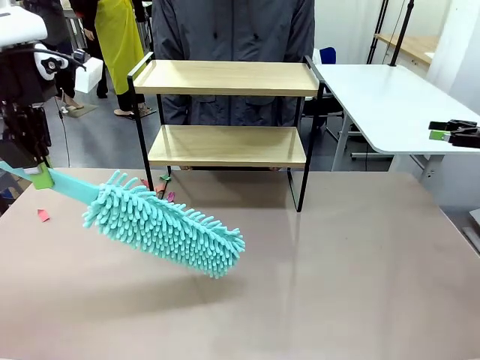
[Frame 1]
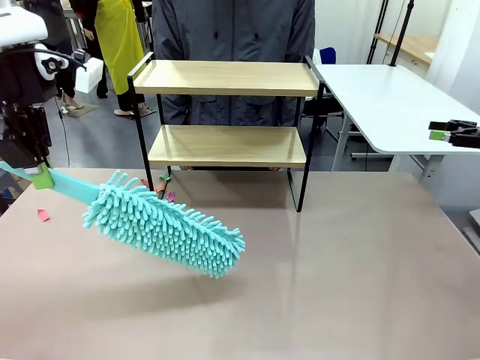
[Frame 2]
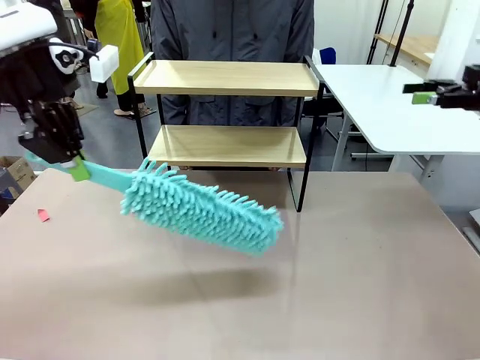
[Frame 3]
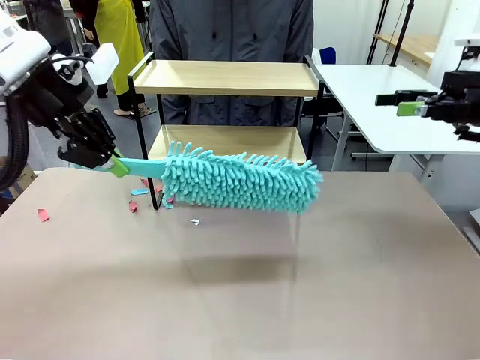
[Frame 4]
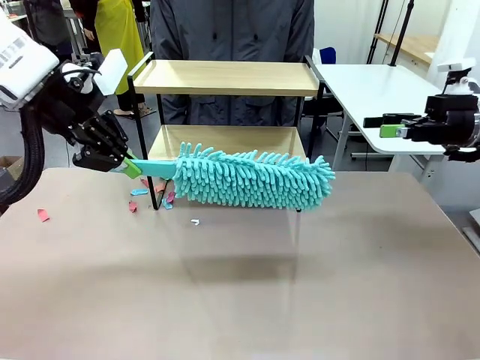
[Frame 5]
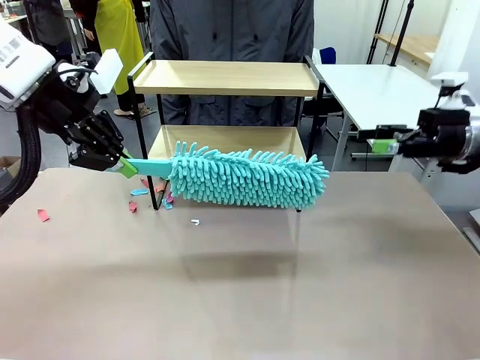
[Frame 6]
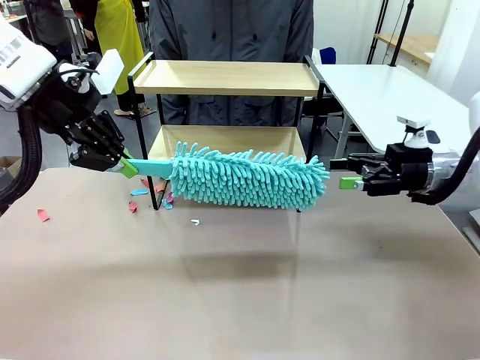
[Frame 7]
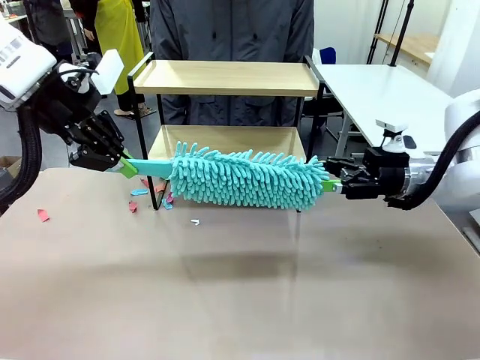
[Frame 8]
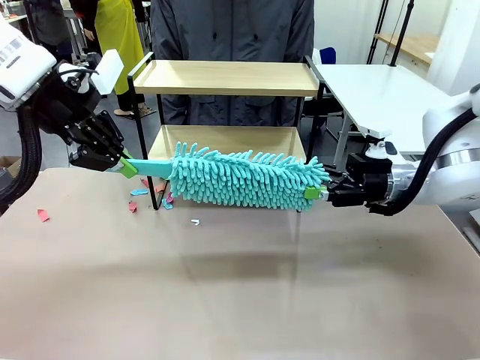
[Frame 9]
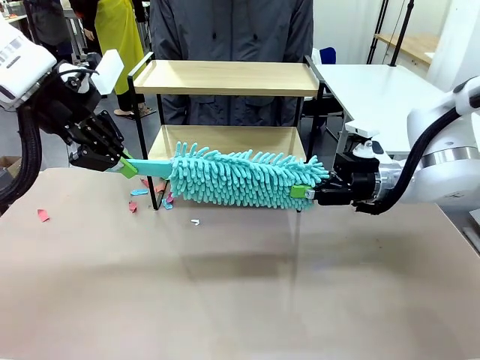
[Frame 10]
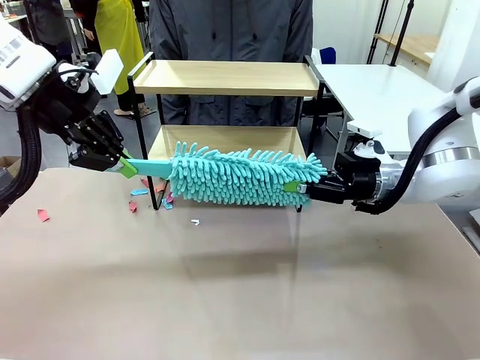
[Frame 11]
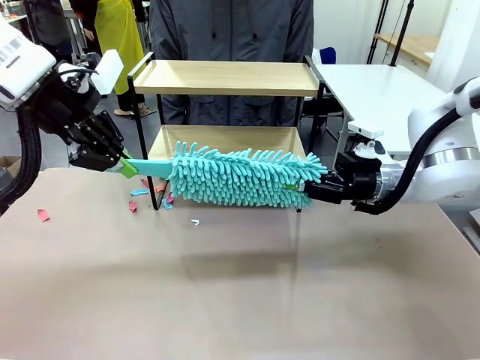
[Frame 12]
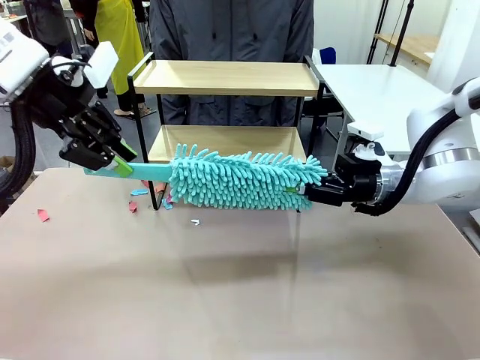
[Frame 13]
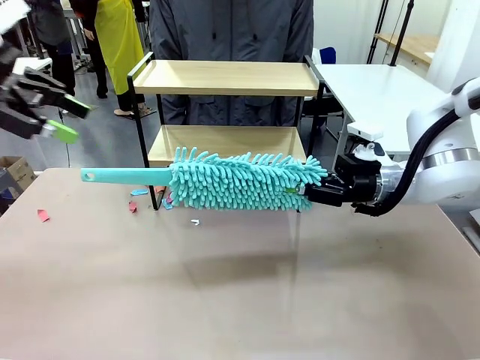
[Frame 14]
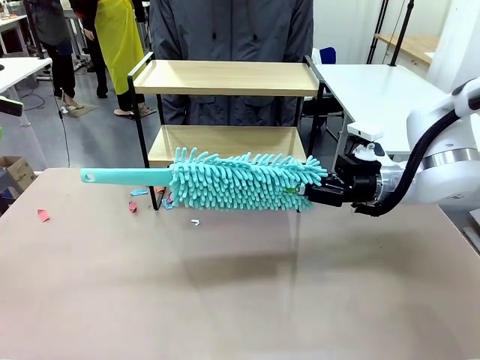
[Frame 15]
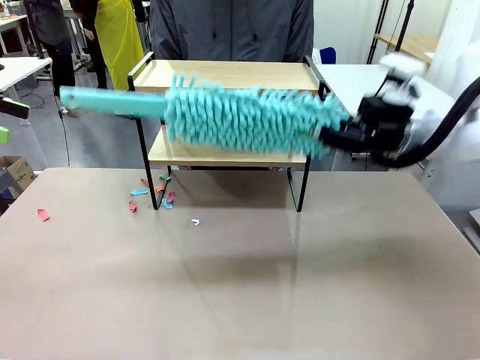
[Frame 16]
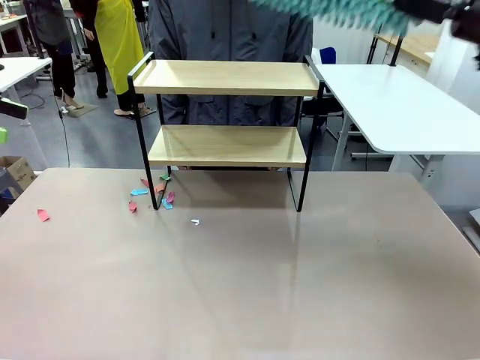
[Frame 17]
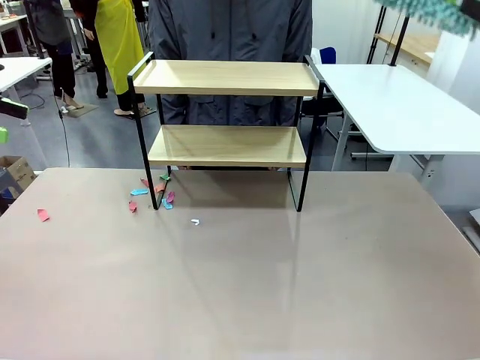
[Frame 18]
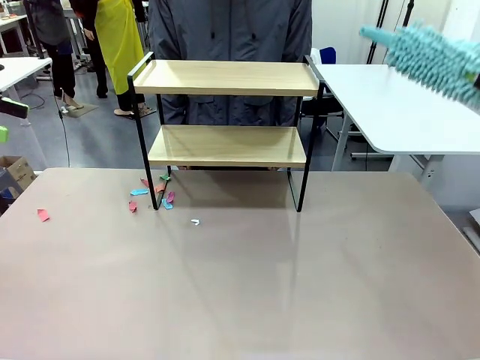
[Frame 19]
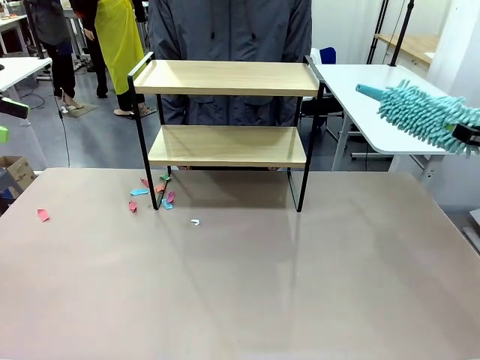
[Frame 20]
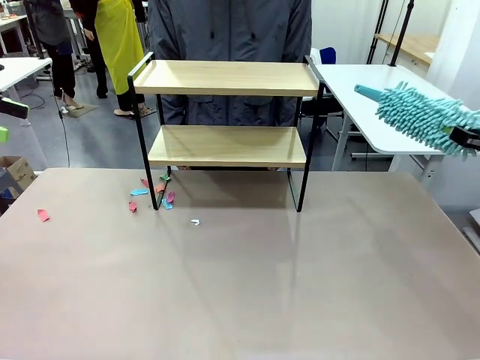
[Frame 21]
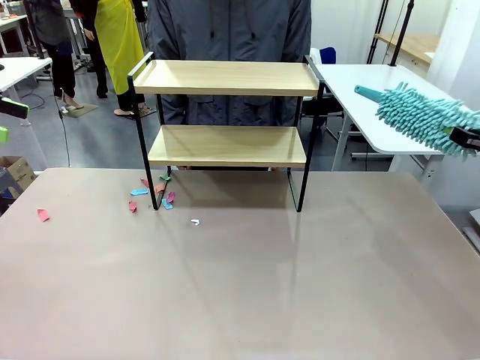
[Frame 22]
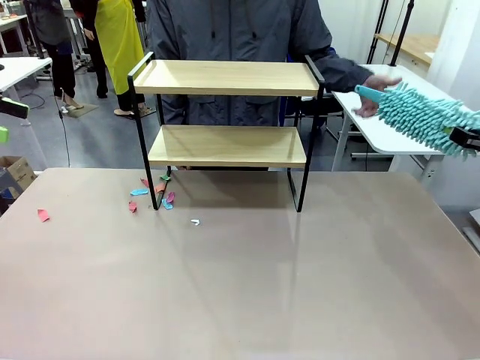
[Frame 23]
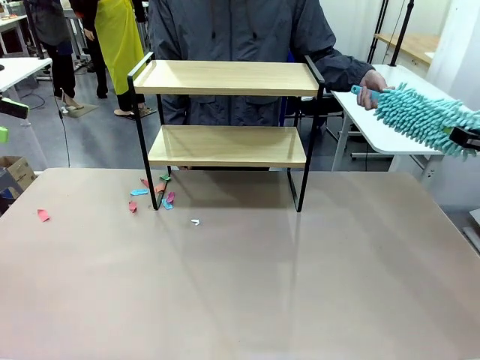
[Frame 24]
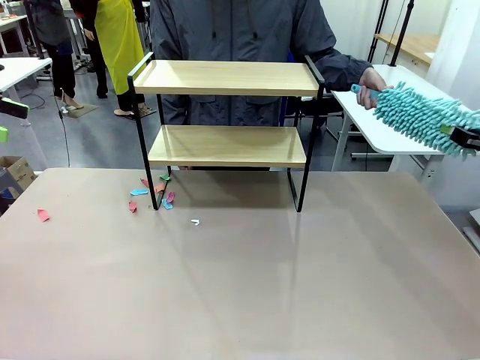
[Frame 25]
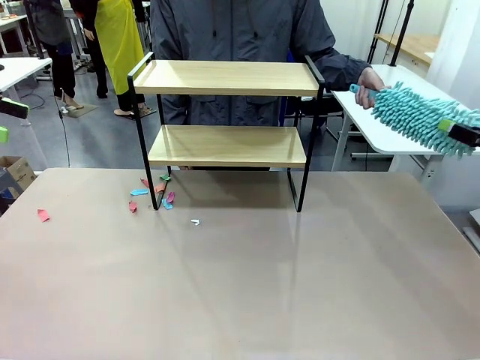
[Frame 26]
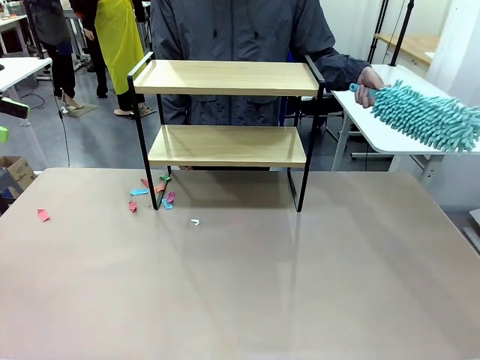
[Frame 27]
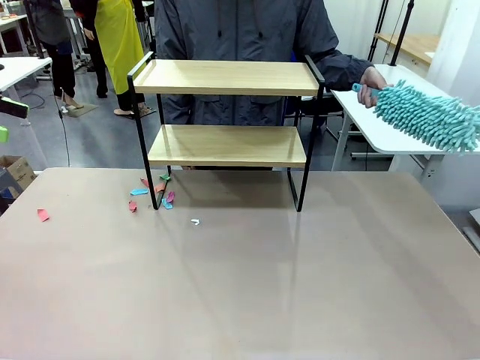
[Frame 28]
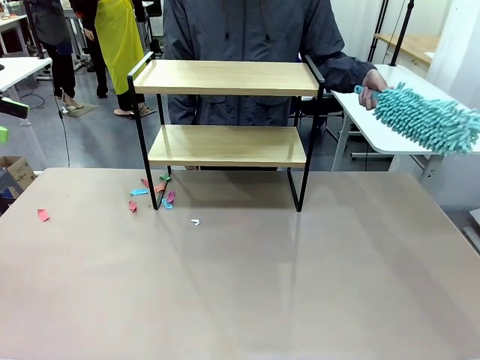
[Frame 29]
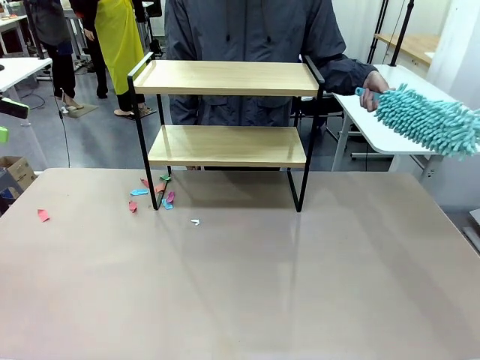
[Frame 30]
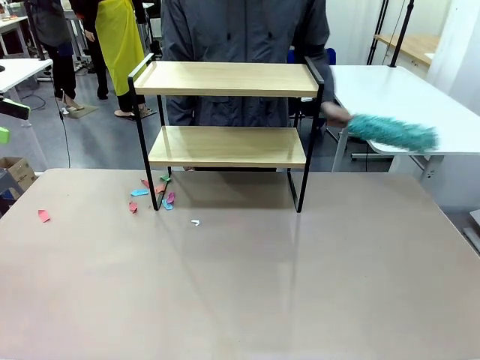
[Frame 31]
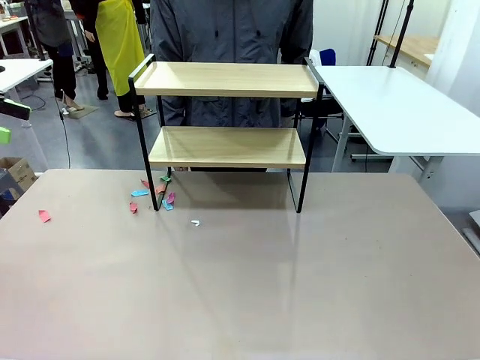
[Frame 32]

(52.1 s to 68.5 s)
Task: Clean the shelf.
Robot: Hand the Duster back to the human.
Person: Receive the Duster from the robot.

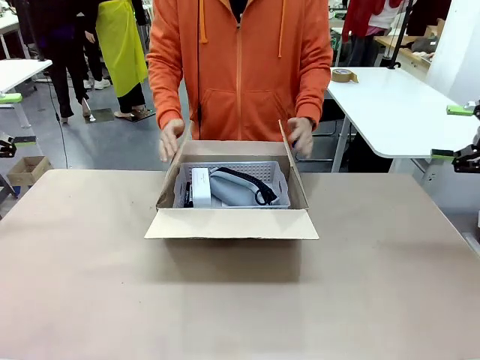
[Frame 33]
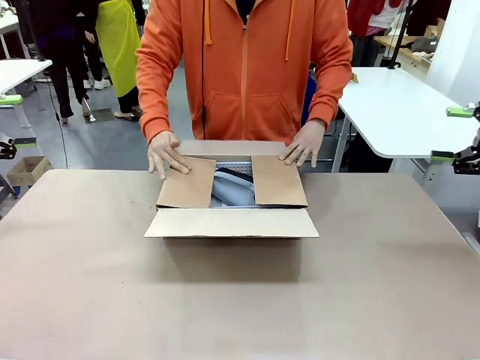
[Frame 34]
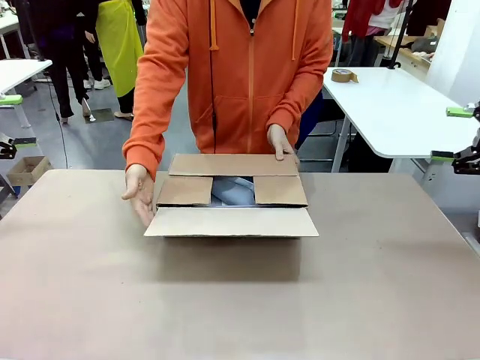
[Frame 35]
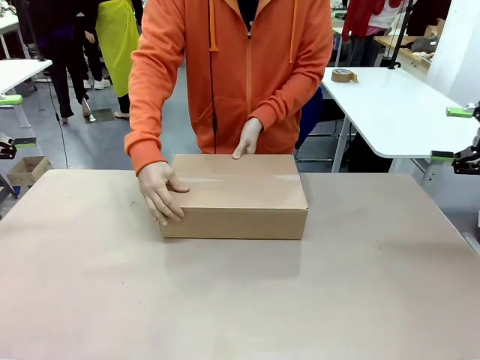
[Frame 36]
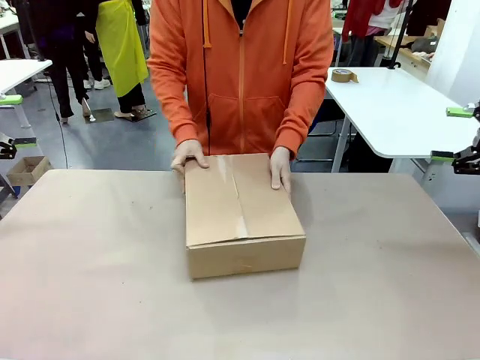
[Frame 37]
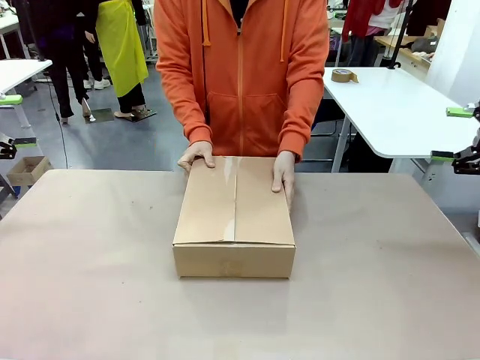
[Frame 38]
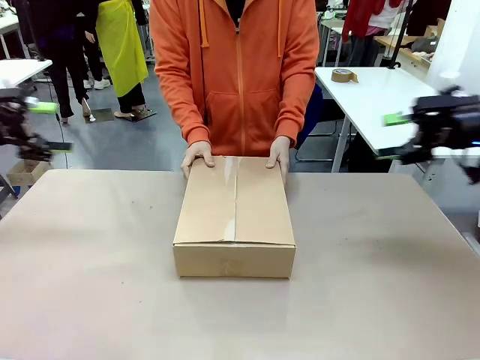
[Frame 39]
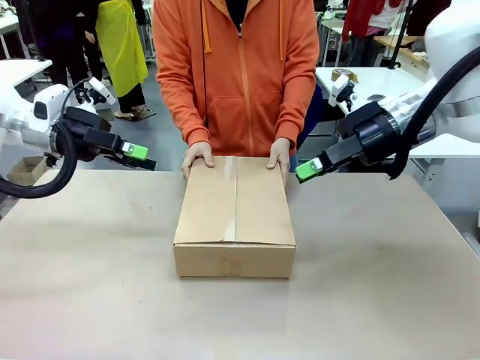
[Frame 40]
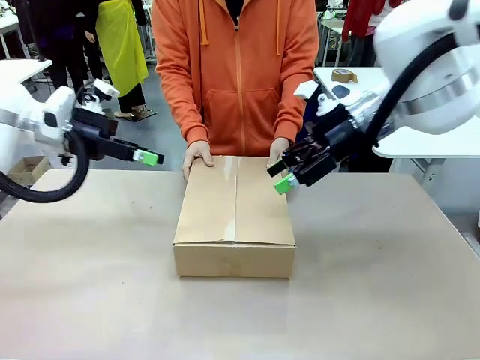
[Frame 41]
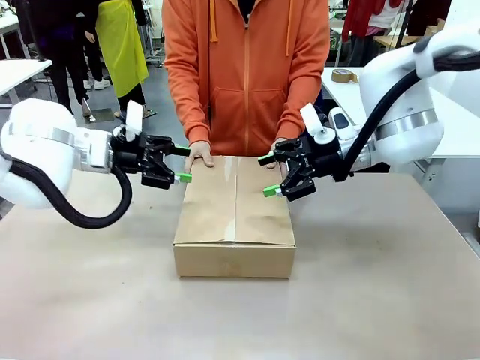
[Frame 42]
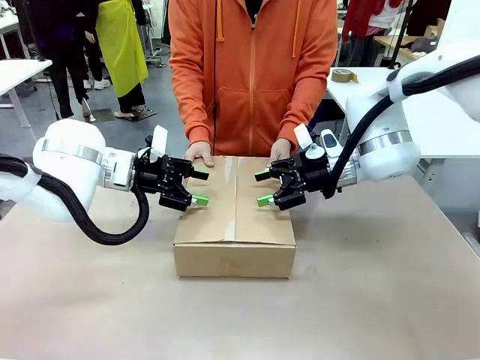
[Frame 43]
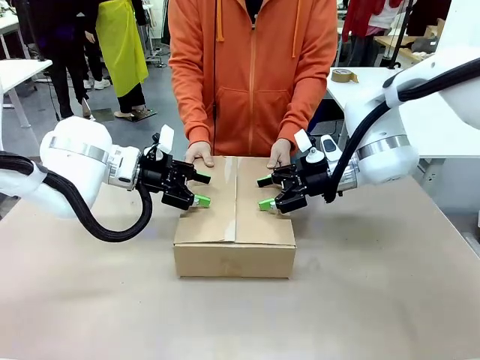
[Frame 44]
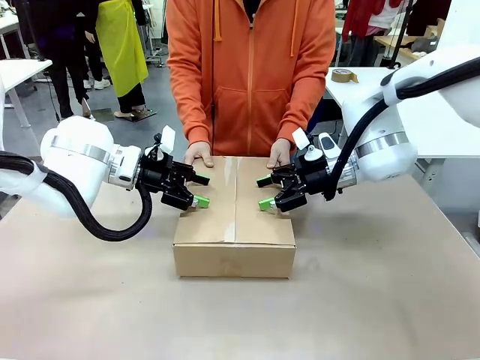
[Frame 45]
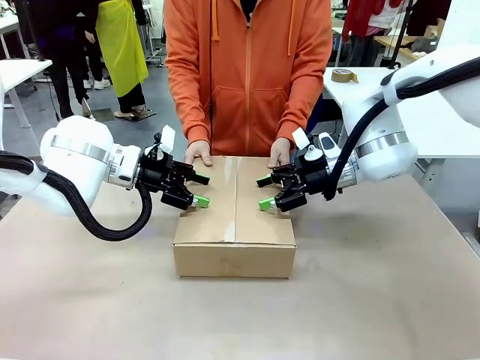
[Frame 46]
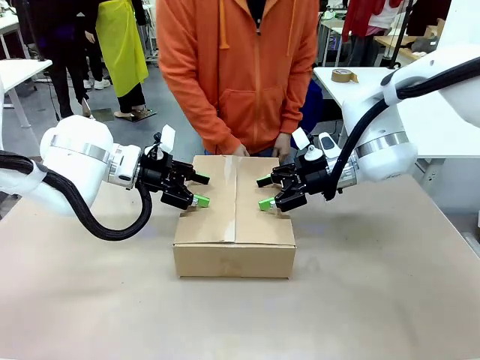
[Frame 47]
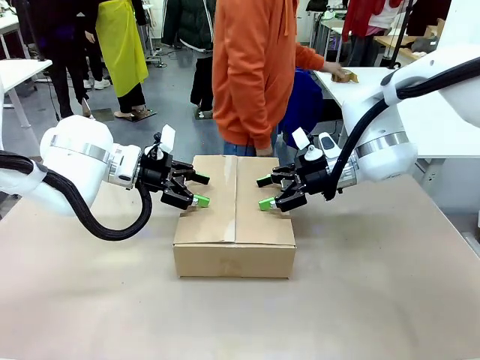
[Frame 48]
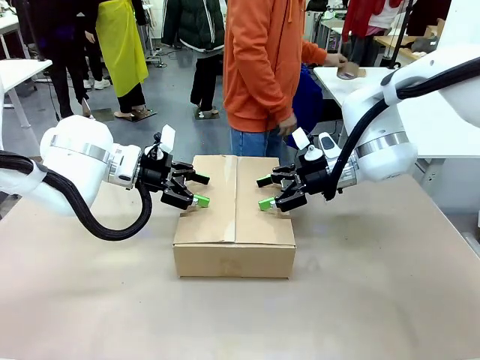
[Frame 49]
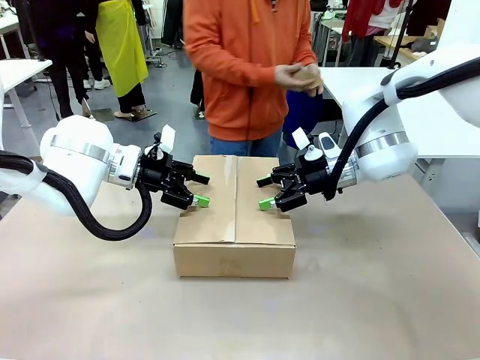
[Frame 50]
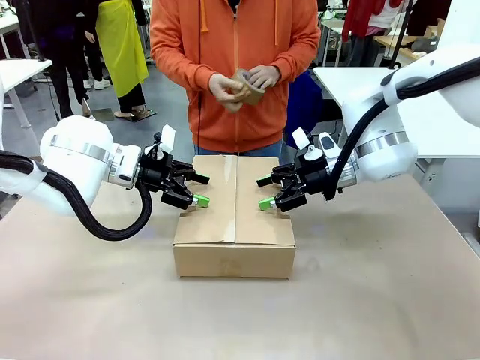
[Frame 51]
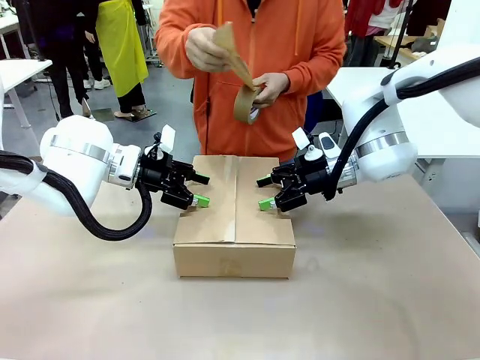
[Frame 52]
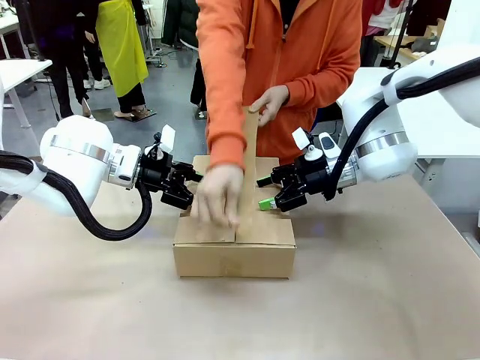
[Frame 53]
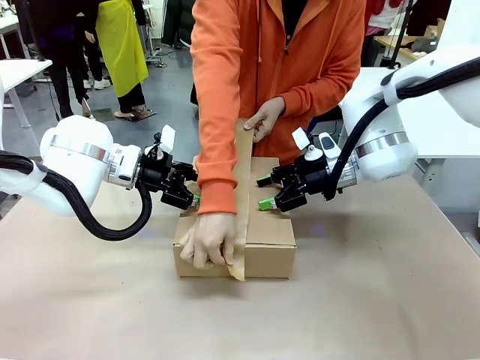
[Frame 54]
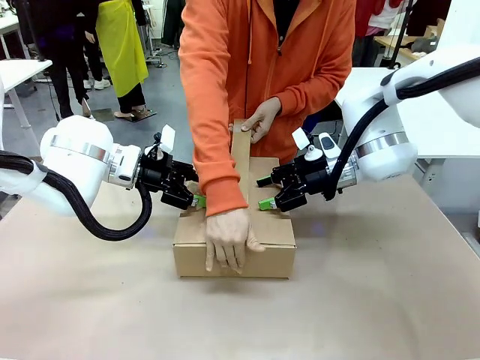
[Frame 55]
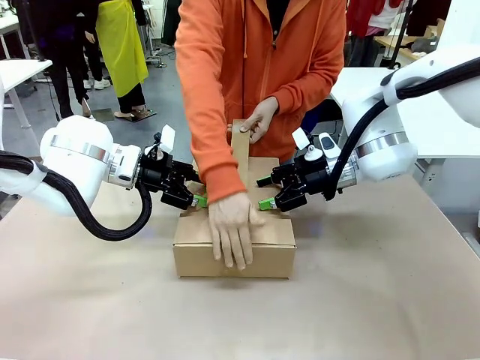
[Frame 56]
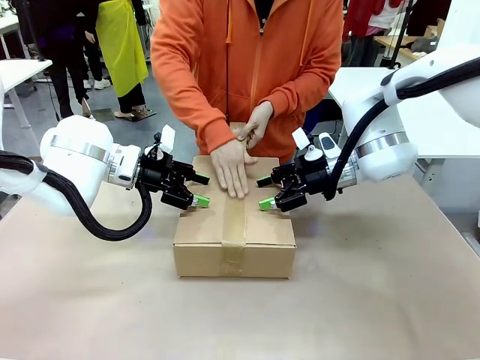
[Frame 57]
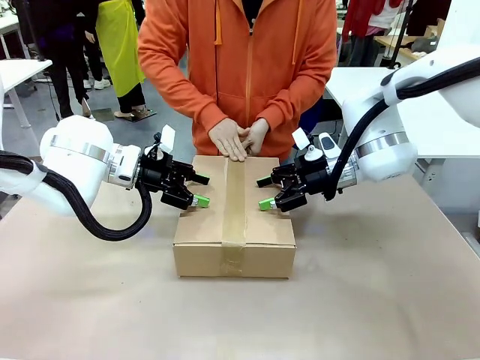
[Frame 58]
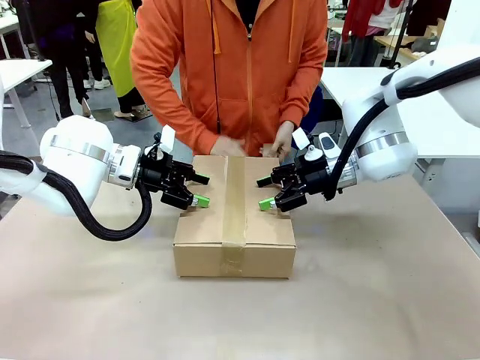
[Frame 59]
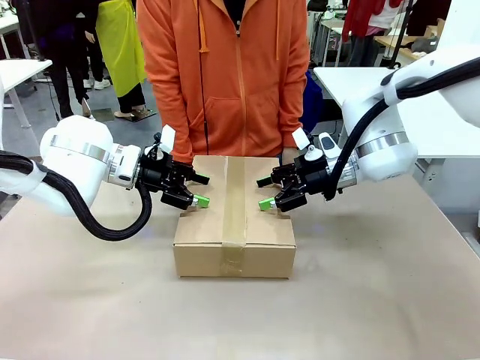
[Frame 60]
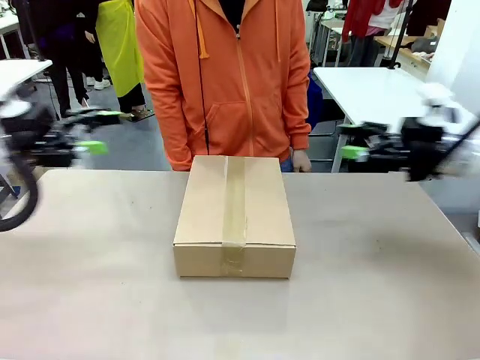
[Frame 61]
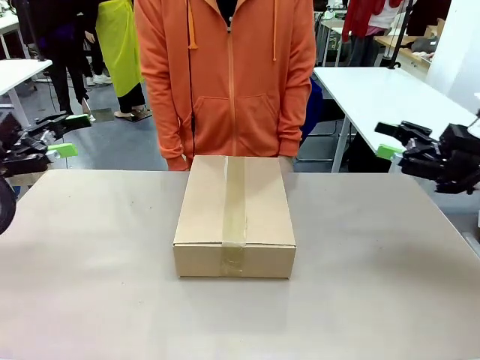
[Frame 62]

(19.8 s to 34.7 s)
Task: Pack the gift set into the box.
Robot: Press and hold the closed box until the human finishes sealing it.
Person: The human closes the box and rotates the box by 90 degrees. The human picks up the paper tape from the human table and packs the box.
